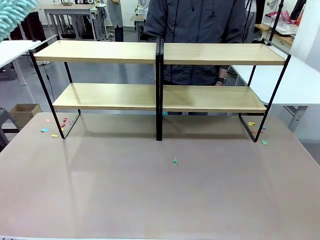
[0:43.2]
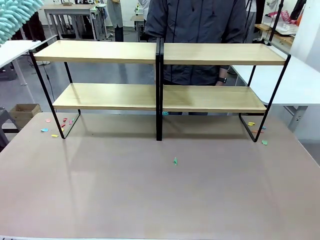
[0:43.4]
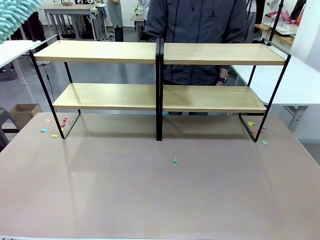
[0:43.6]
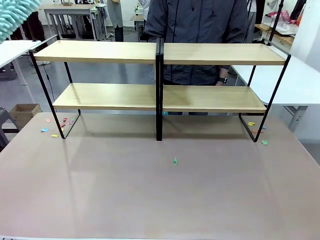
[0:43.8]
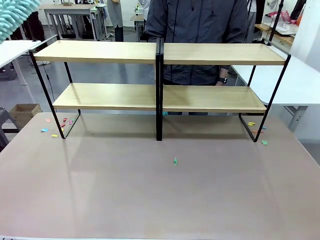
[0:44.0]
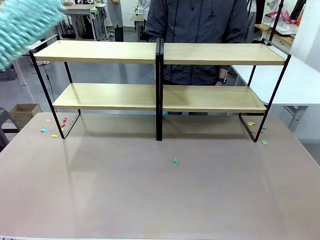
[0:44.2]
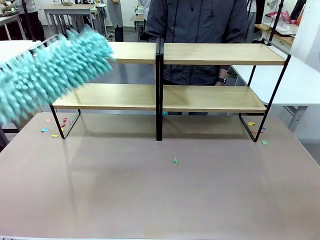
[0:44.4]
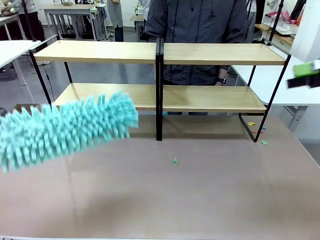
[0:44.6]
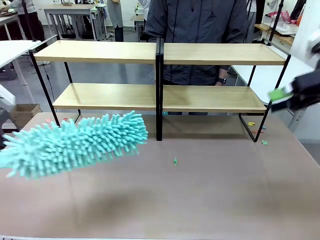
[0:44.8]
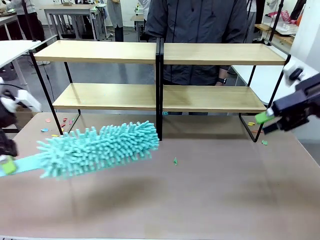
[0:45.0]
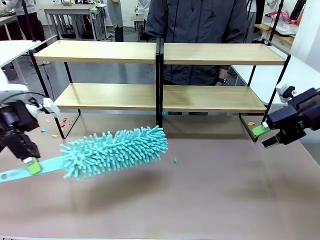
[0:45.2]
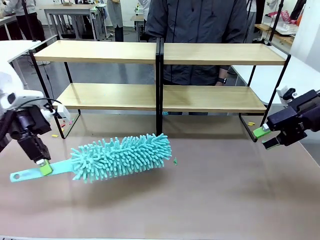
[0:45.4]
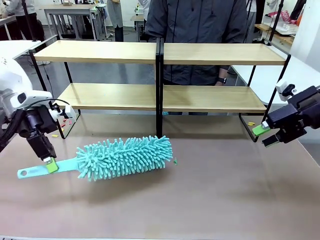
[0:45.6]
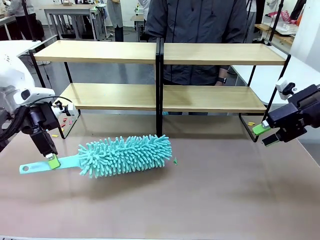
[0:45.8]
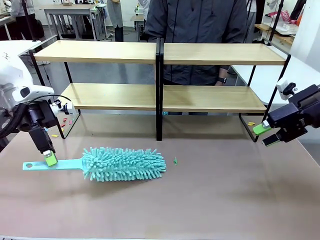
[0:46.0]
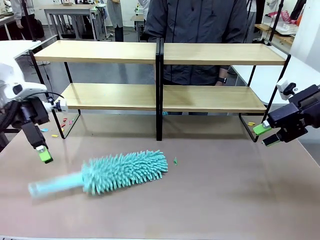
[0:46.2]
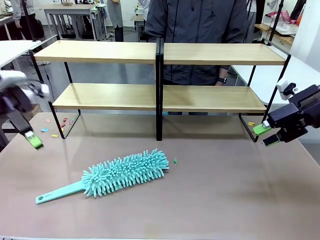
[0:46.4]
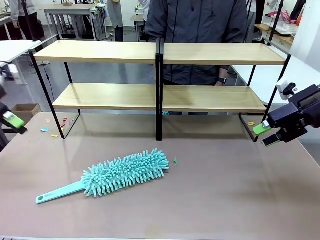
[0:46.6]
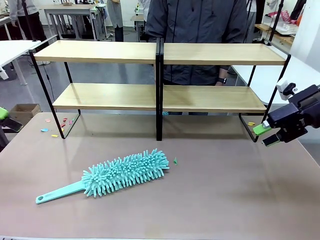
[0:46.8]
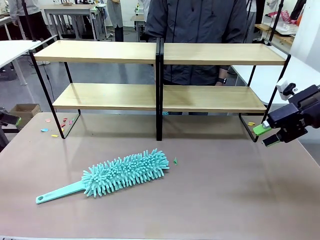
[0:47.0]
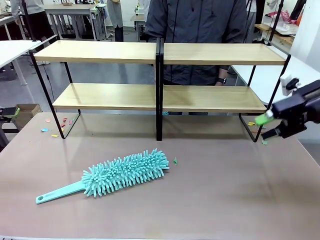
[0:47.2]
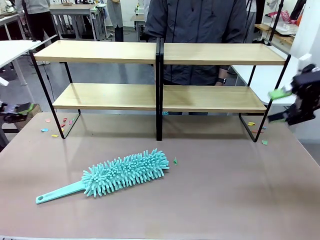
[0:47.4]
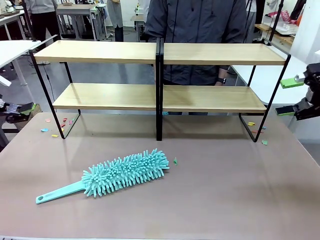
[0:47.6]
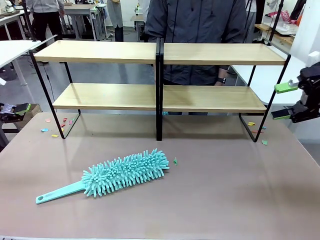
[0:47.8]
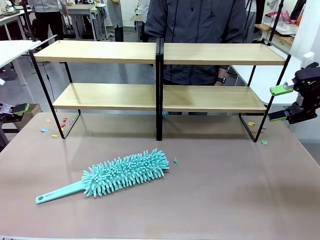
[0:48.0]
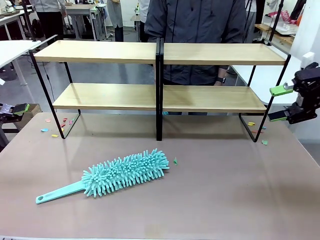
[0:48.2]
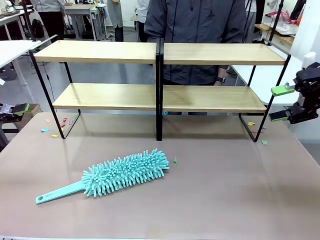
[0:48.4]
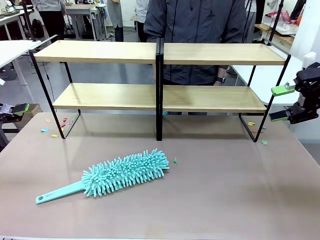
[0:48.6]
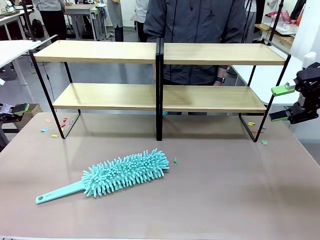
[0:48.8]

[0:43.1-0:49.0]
Task: Clean the shelves.
Robot: Place the Duster on the table.

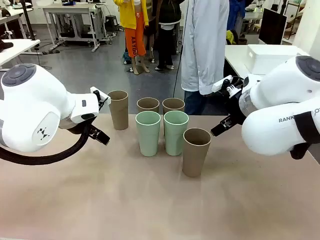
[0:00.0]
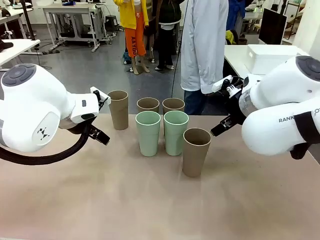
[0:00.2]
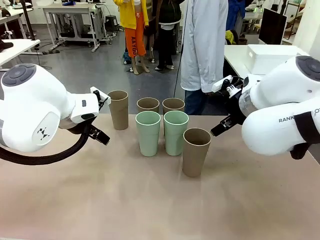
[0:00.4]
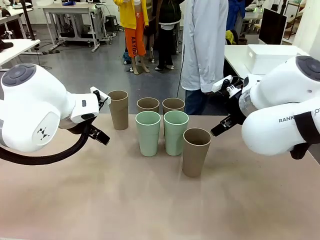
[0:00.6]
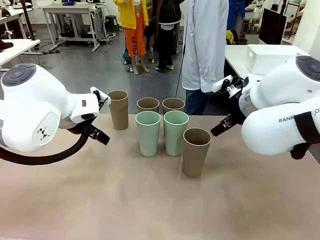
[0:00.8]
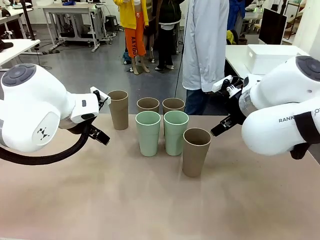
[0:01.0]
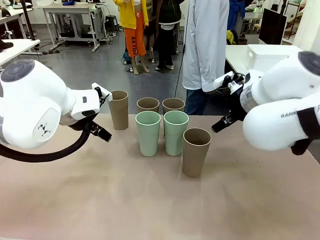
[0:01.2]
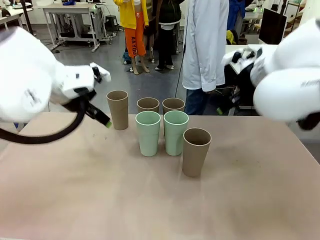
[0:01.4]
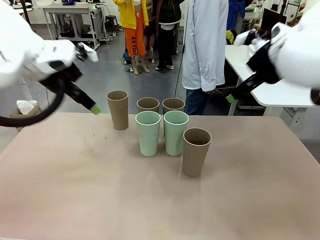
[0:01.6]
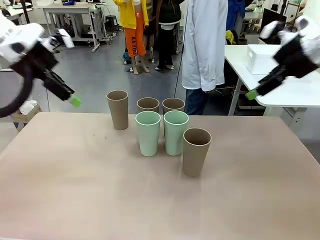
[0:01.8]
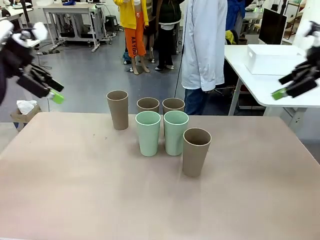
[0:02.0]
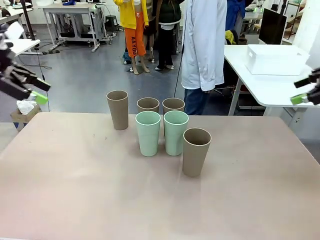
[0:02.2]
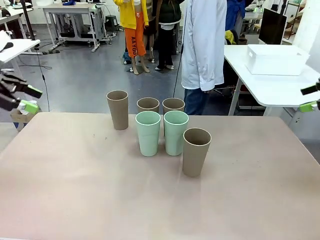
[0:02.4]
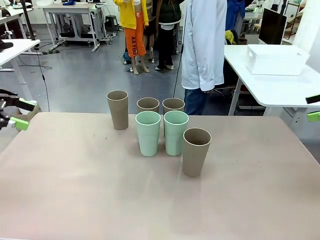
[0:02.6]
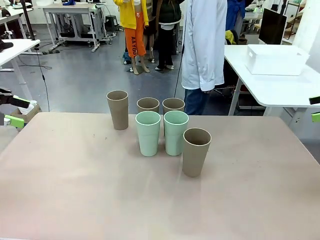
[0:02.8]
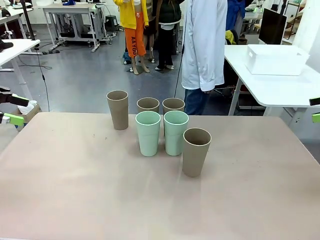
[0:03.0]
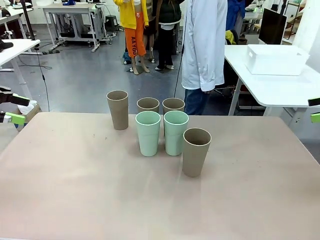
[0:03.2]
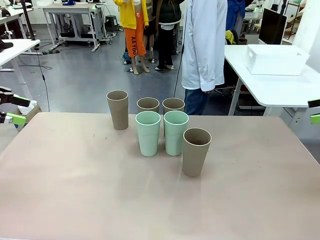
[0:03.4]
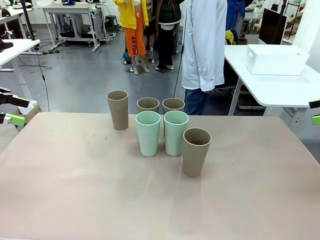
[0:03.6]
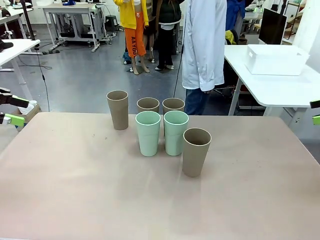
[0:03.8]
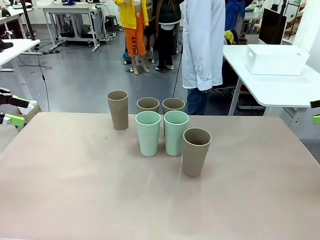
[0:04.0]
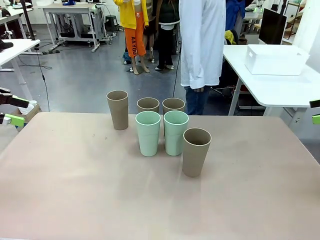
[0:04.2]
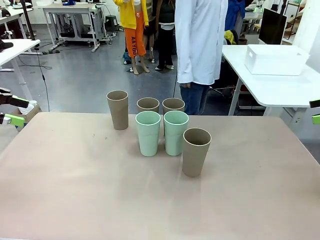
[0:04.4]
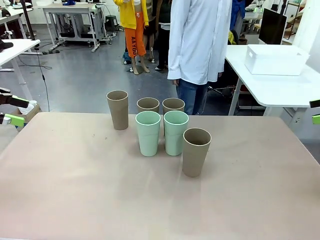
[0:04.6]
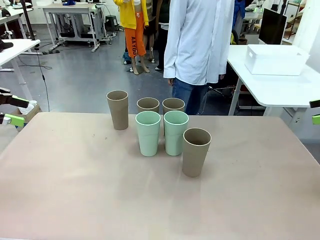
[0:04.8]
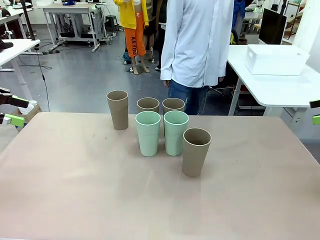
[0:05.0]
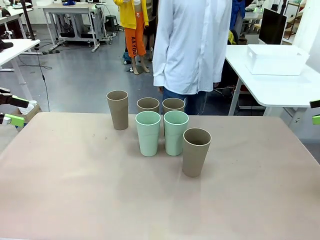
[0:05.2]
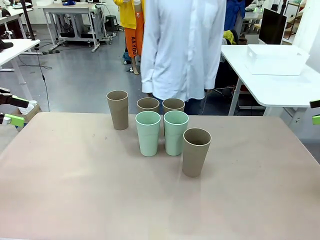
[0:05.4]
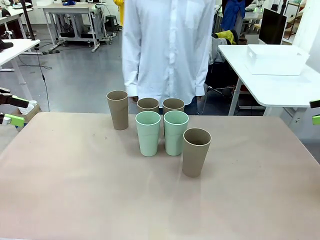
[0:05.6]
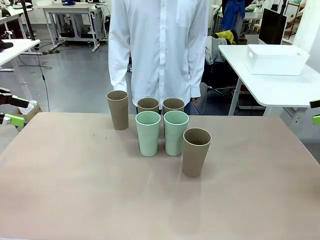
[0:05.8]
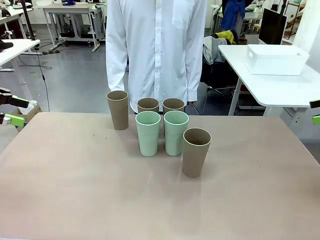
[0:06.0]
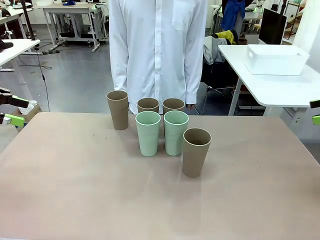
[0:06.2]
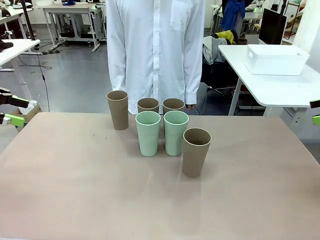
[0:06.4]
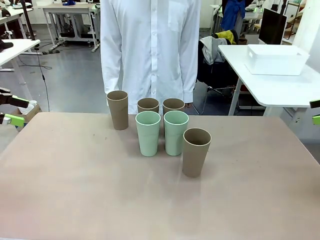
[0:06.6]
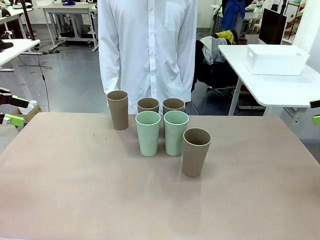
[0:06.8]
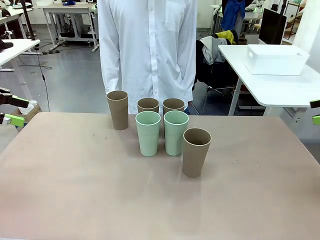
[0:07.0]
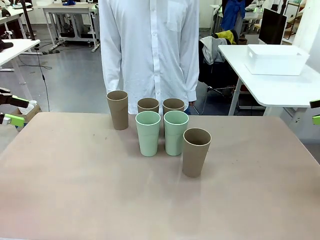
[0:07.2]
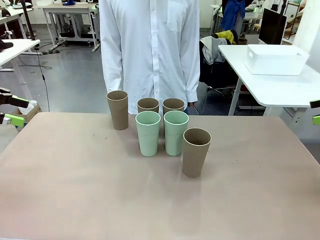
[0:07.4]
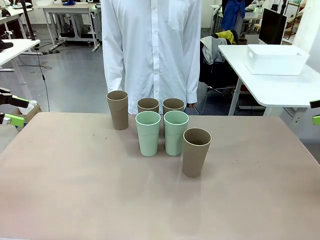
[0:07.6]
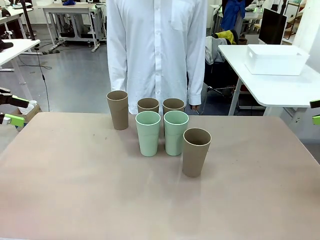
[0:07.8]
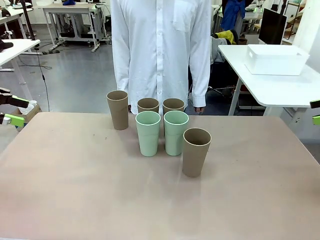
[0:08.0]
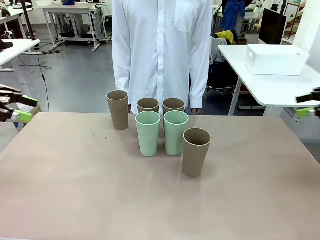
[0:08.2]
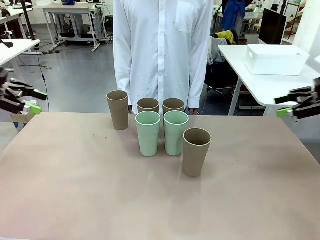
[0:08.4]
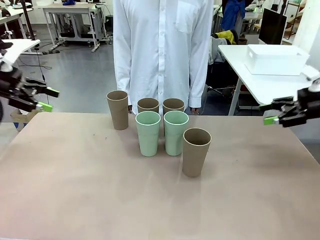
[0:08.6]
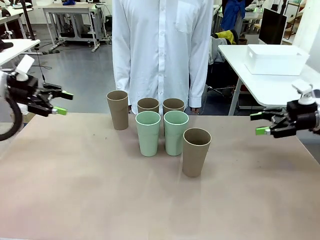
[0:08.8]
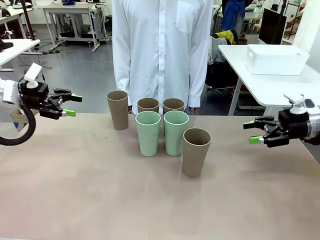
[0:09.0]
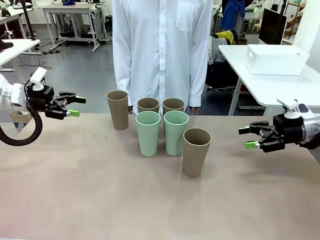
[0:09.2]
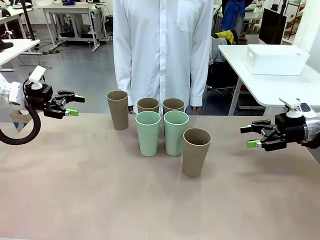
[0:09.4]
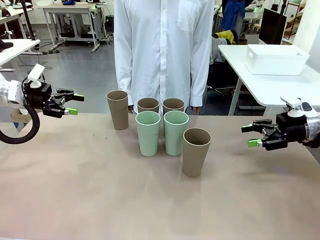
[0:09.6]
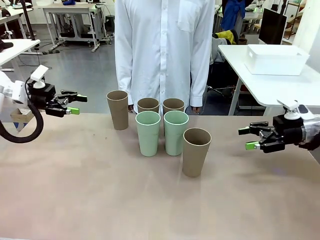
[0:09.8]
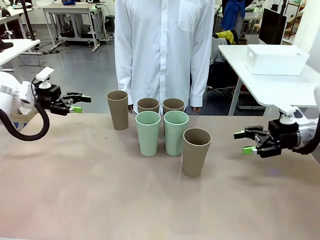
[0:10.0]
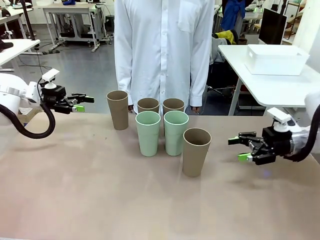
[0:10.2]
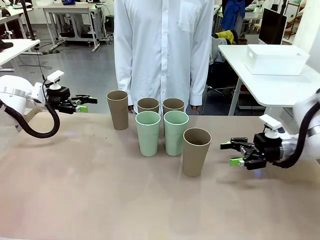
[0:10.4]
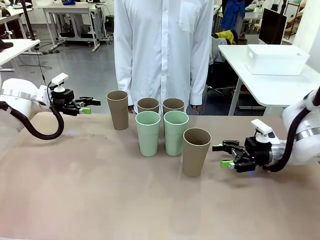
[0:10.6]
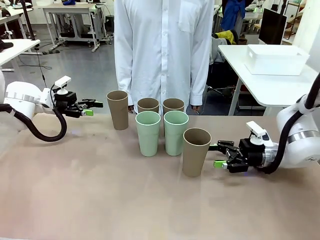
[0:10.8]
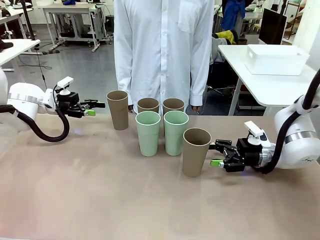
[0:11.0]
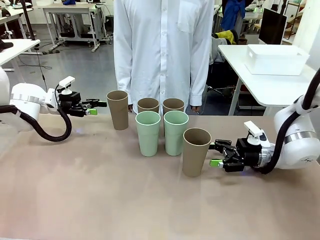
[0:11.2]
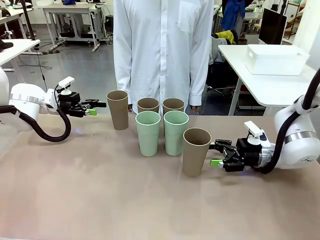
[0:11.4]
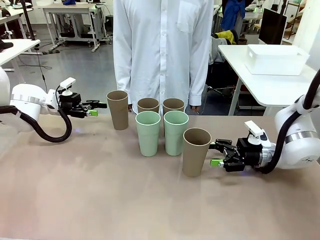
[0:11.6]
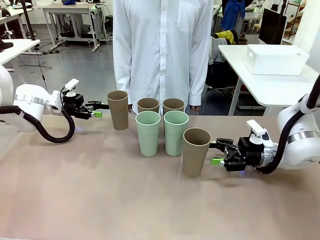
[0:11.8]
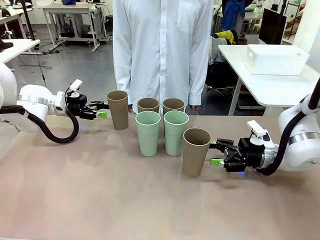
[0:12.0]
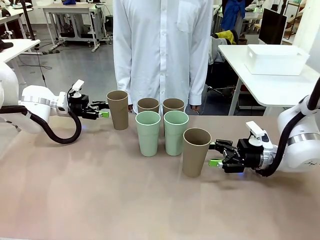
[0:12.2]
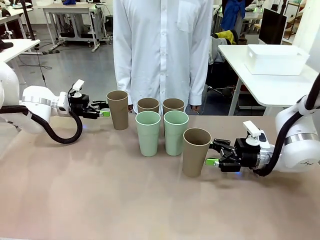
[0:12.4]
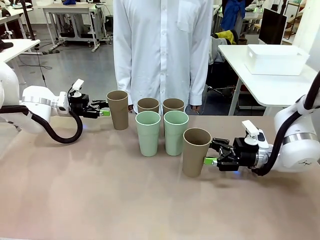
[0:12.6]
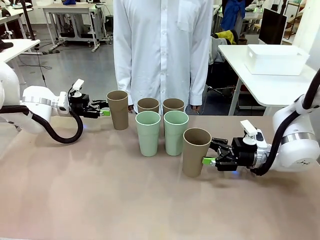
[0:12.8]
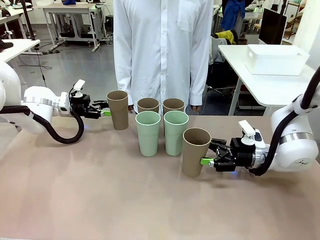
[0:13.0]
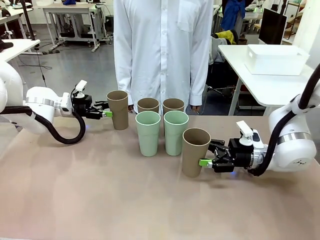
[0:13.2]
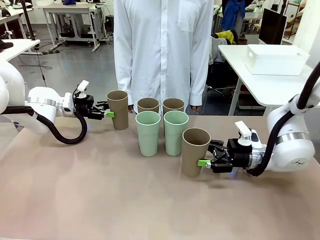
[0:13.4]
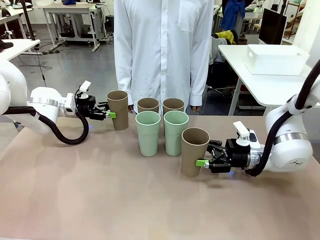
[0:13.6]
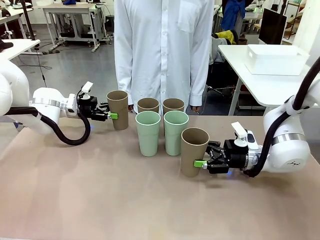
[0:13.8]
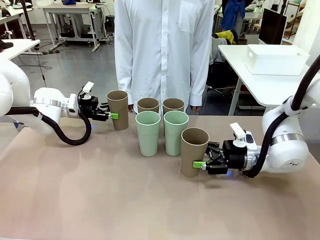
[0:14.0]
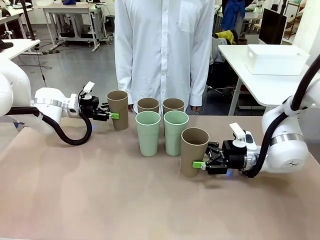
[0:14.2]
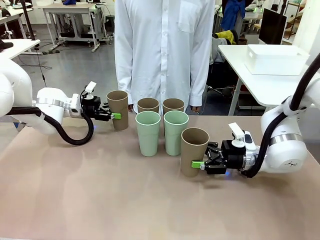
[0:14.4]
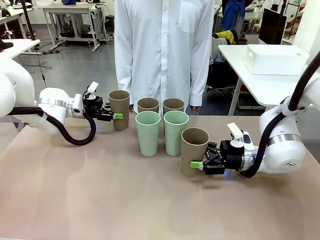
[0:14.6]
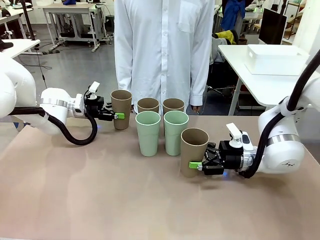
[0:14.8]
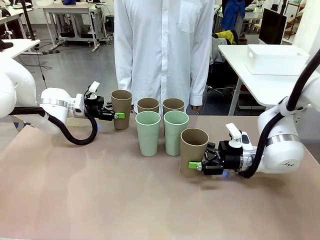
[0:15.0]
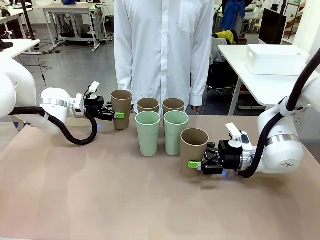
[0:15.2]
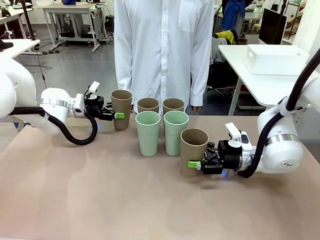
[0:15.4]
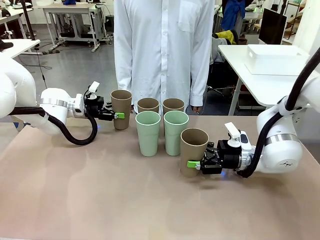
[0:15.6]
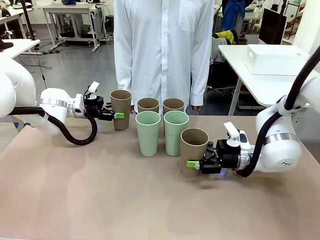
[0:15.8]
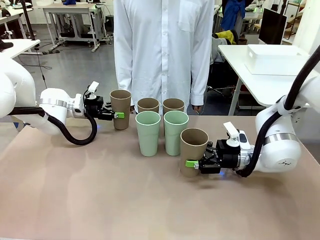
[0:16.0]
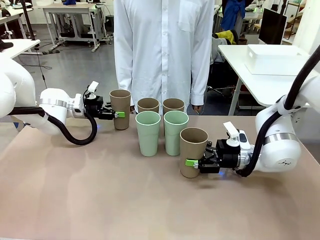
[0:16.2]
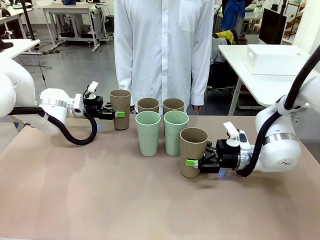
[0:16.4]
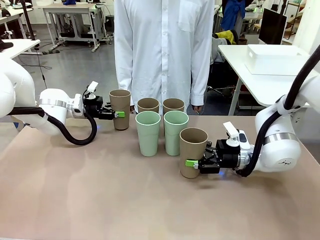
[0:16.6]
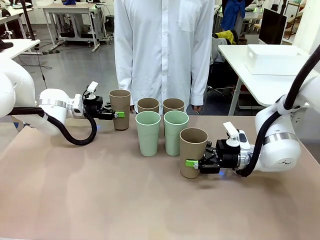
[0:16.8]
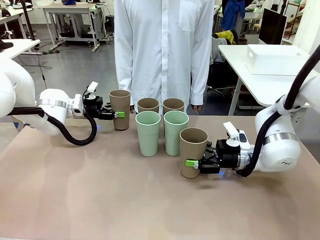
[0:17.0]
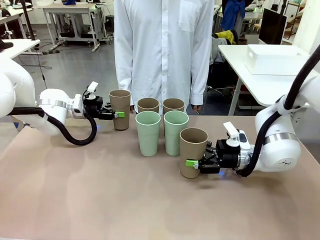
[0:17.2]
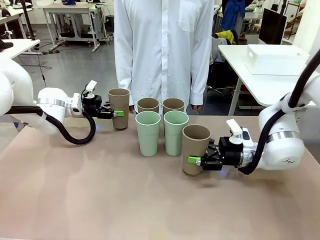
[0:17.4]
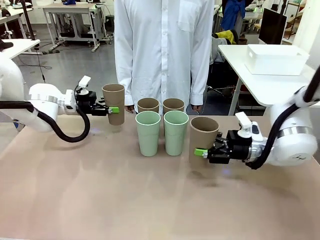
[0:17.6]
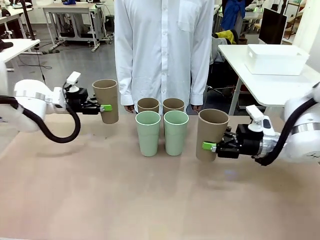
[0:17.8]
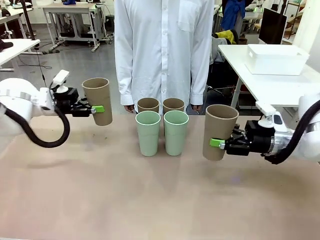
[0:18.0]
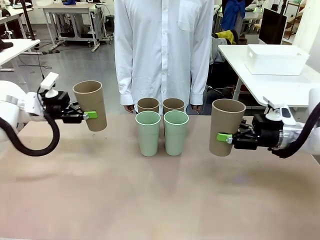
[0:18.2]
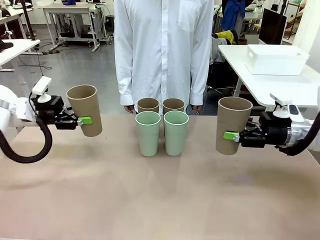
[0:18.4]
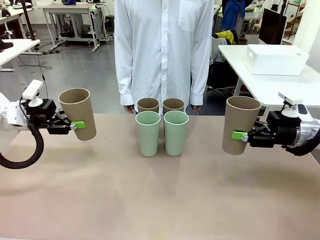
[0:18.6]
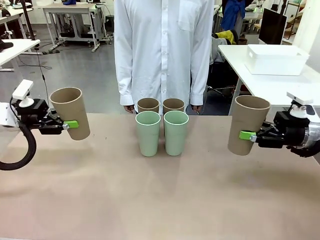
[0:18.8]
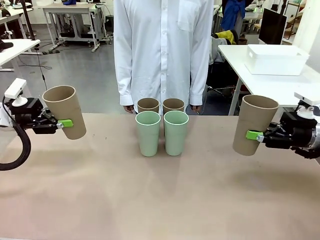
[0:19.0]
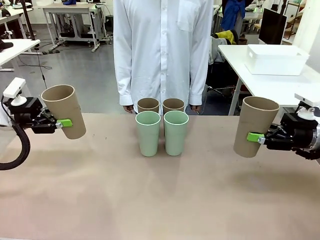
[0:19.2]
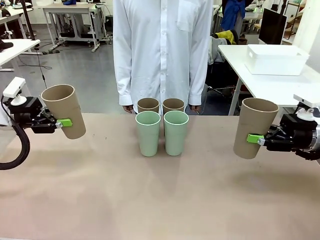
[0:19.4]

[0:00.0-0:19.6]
Task: Stack the cups and store them in the basket.
Robot: Pick up two Reusable plastic cups , one in each hand.
Person: Move from the Human Table to the front of the Robot Table. Stack two of the remaining cups on top of each cup held by the robot.
